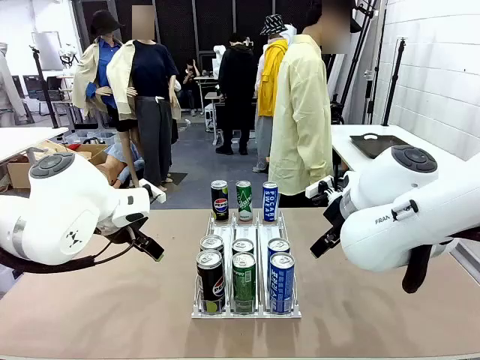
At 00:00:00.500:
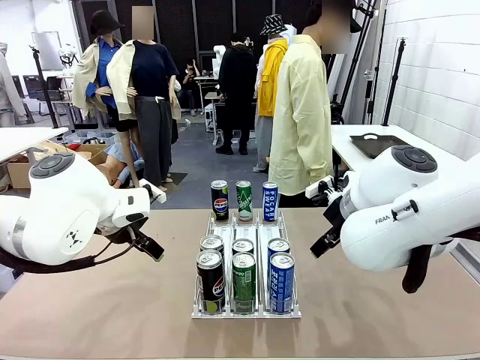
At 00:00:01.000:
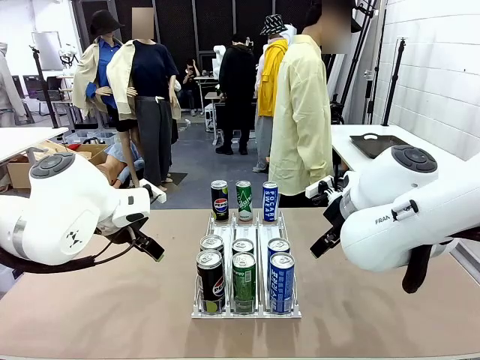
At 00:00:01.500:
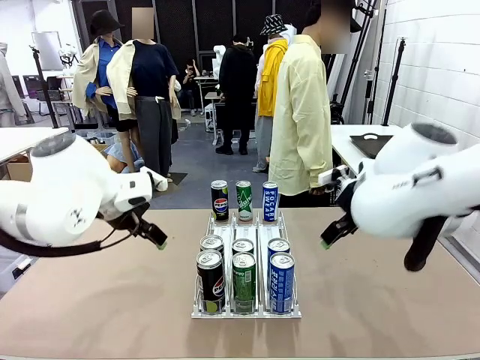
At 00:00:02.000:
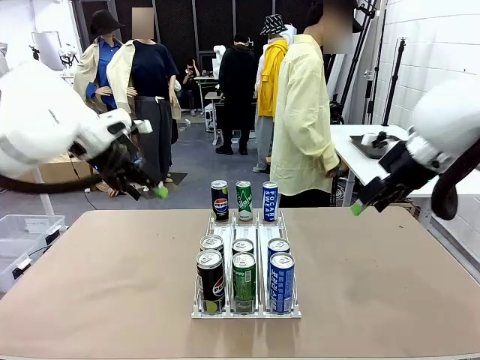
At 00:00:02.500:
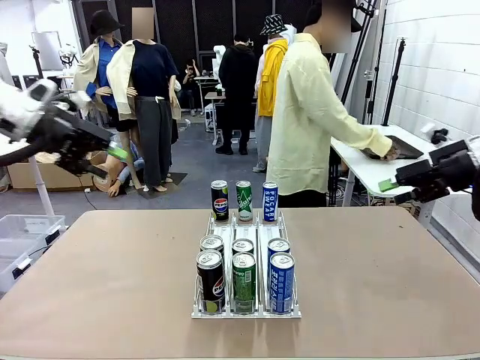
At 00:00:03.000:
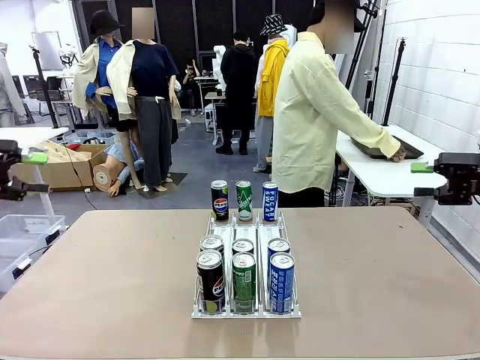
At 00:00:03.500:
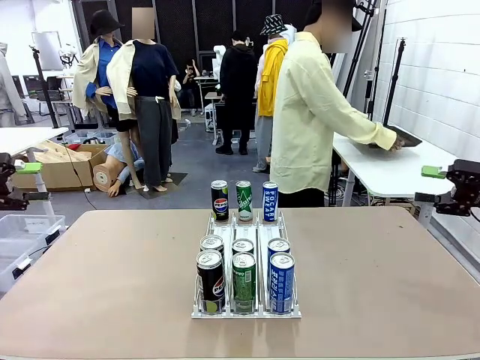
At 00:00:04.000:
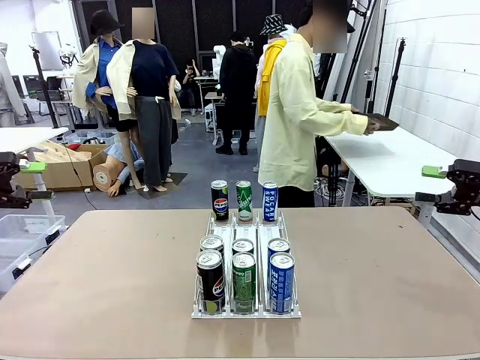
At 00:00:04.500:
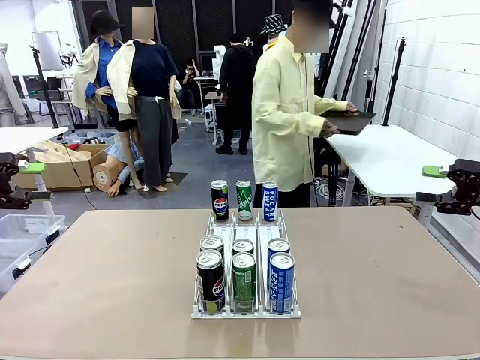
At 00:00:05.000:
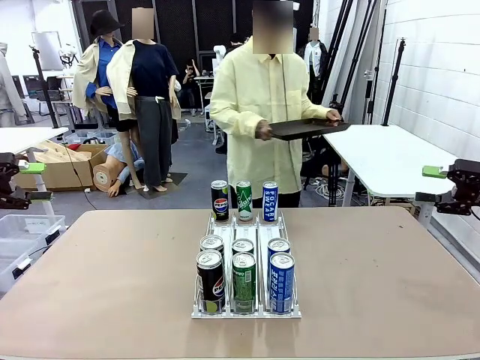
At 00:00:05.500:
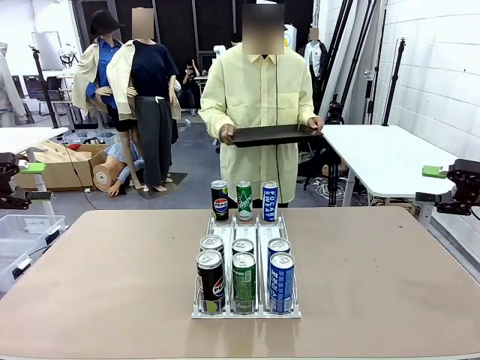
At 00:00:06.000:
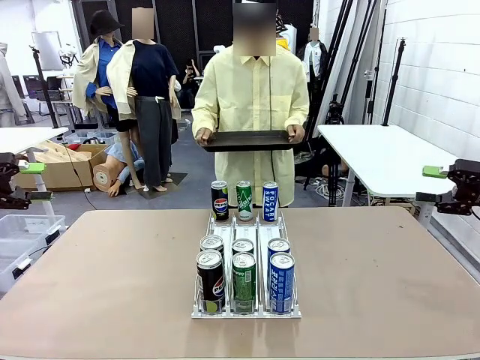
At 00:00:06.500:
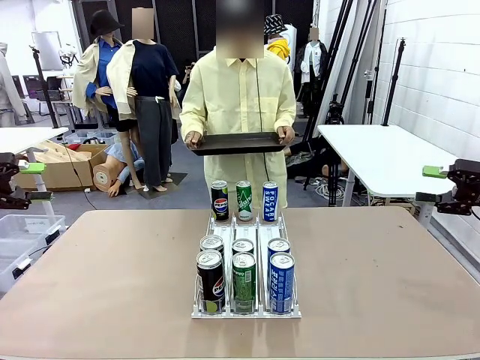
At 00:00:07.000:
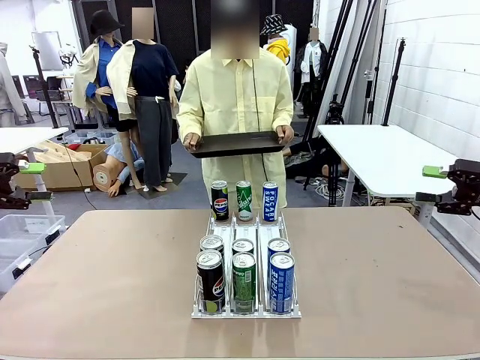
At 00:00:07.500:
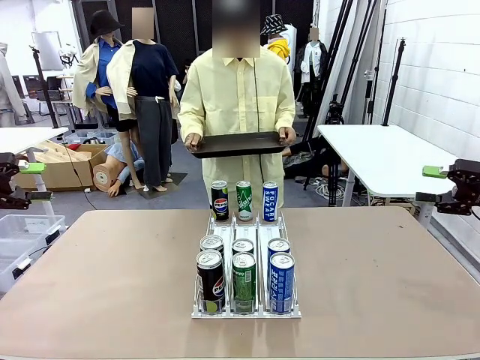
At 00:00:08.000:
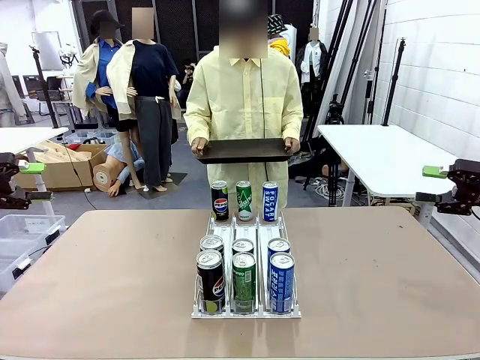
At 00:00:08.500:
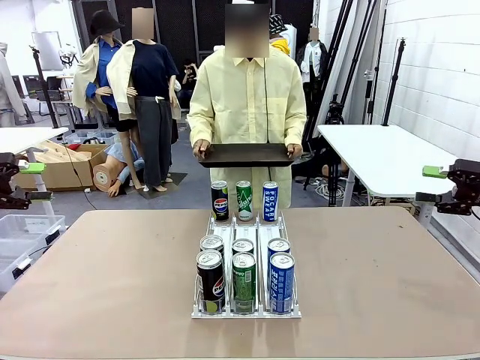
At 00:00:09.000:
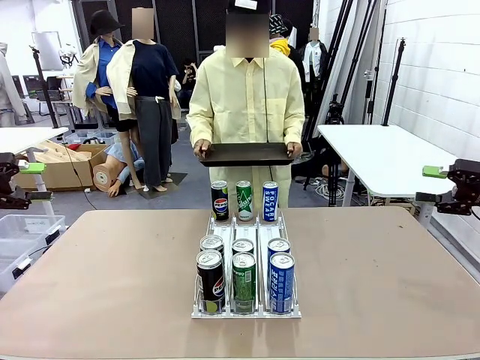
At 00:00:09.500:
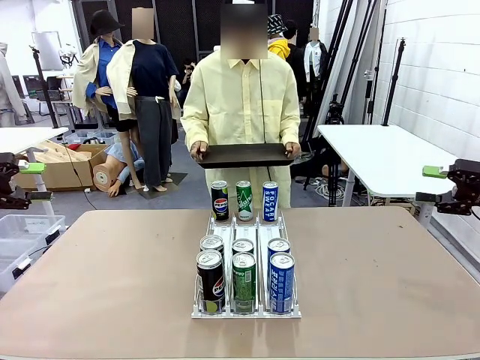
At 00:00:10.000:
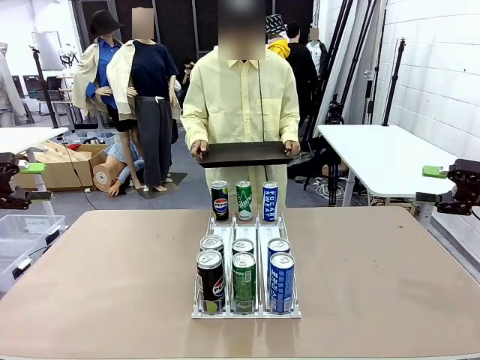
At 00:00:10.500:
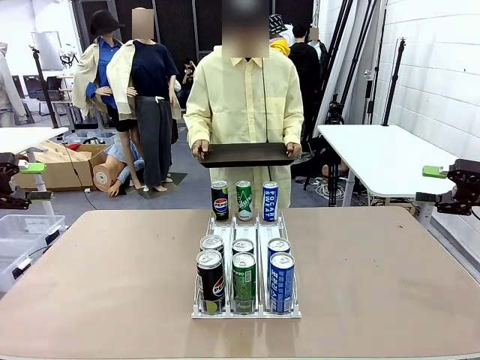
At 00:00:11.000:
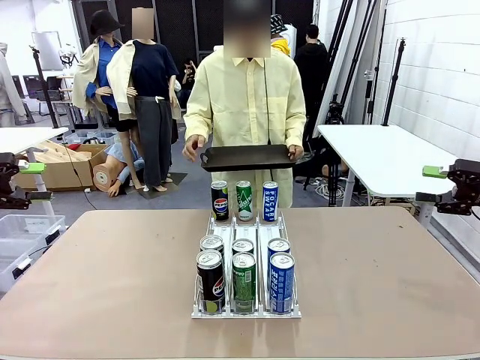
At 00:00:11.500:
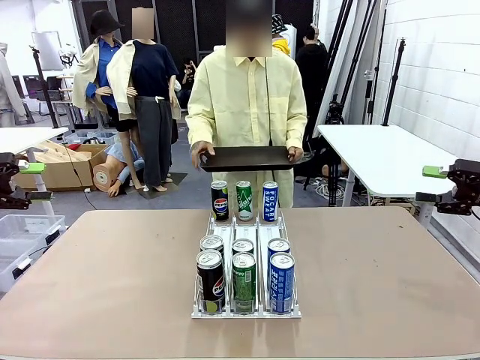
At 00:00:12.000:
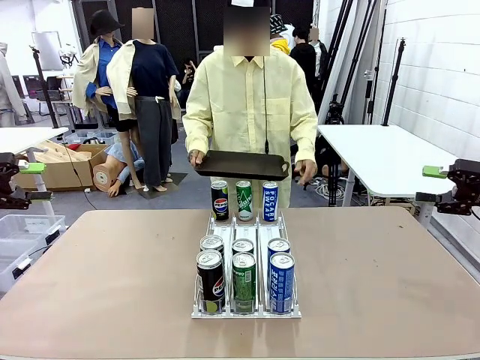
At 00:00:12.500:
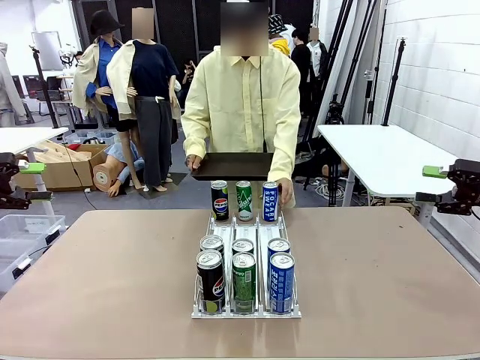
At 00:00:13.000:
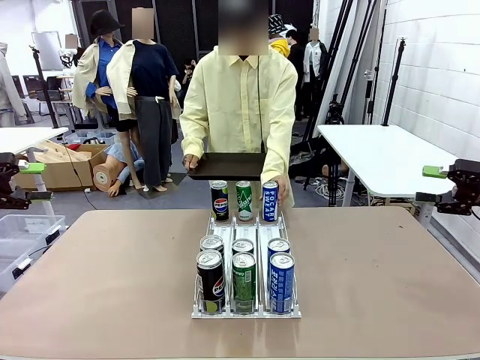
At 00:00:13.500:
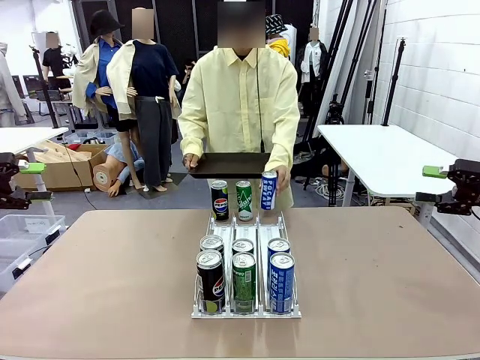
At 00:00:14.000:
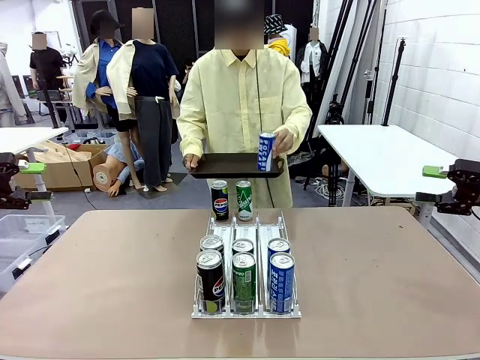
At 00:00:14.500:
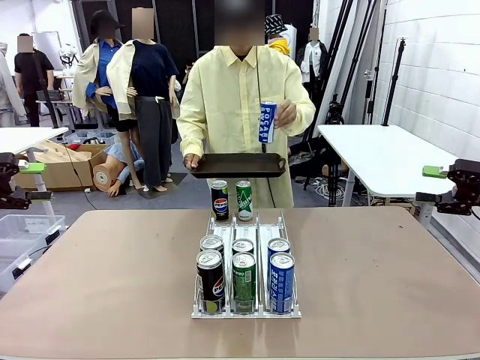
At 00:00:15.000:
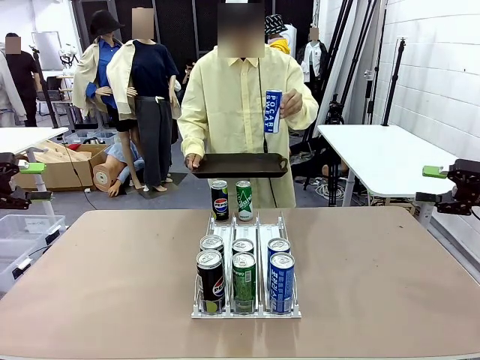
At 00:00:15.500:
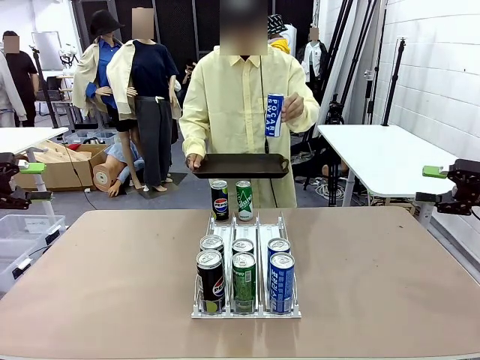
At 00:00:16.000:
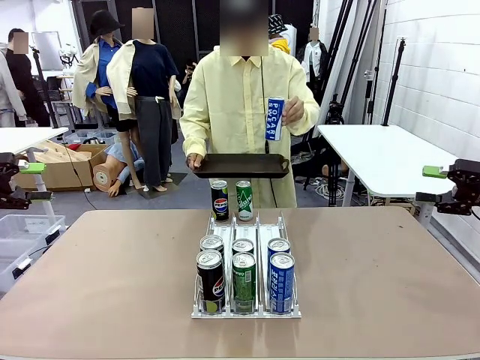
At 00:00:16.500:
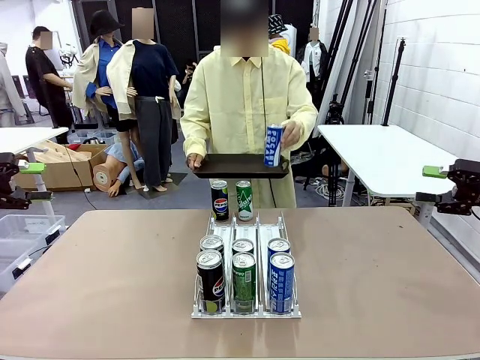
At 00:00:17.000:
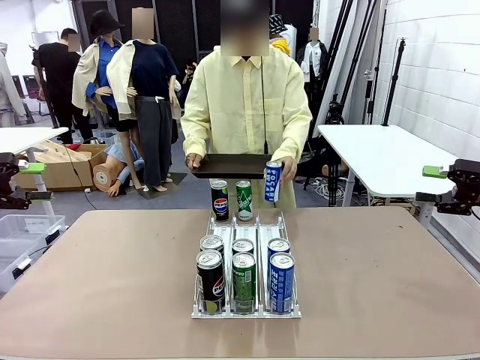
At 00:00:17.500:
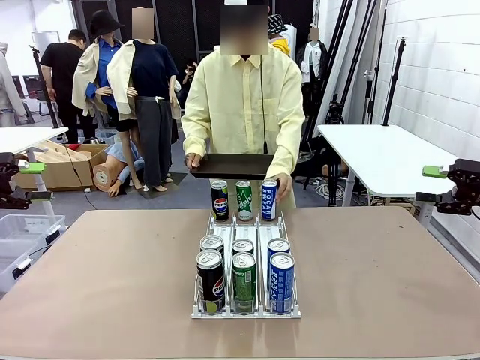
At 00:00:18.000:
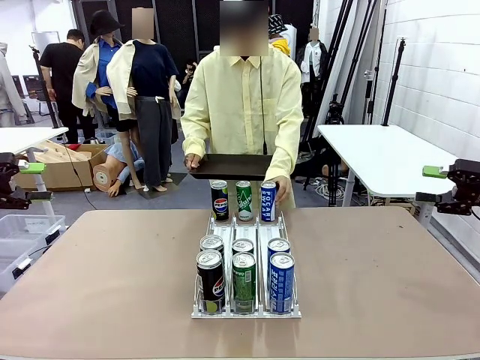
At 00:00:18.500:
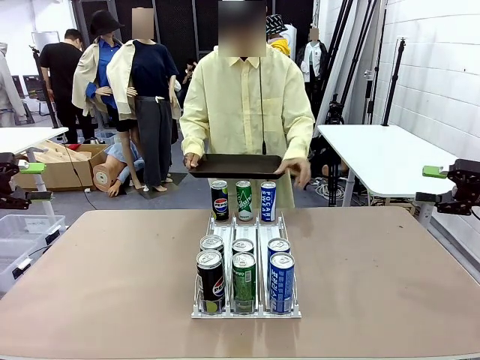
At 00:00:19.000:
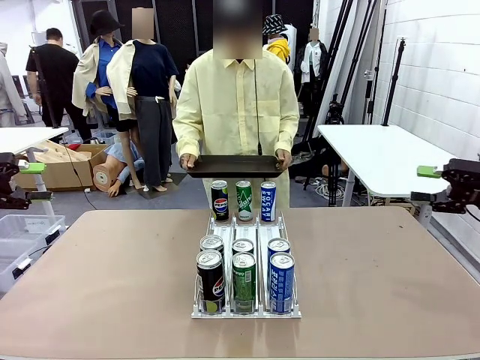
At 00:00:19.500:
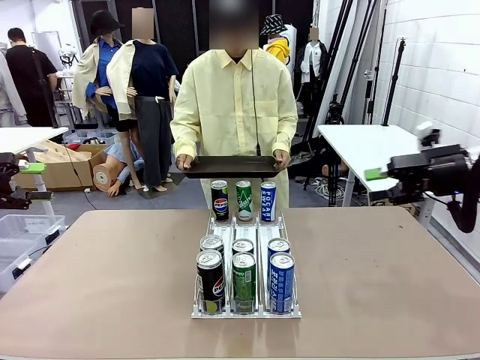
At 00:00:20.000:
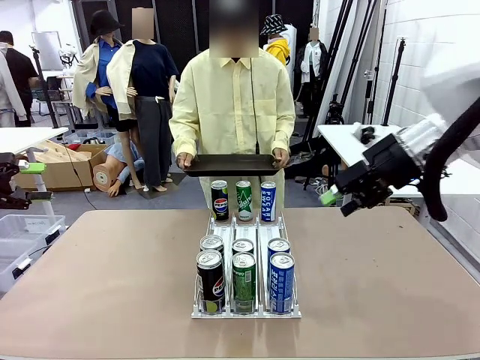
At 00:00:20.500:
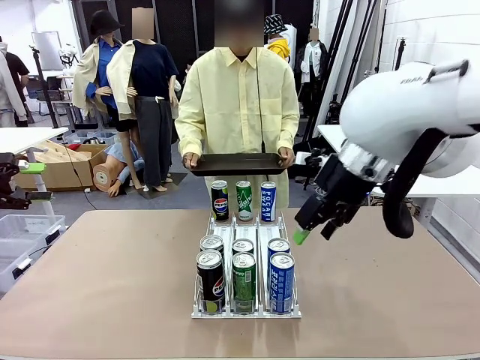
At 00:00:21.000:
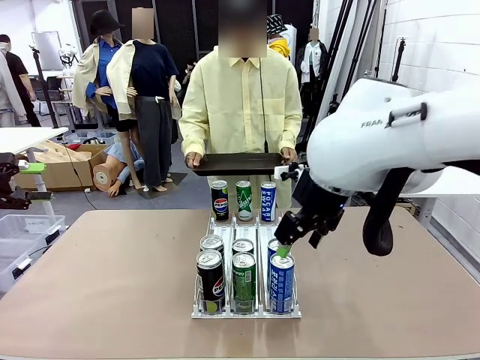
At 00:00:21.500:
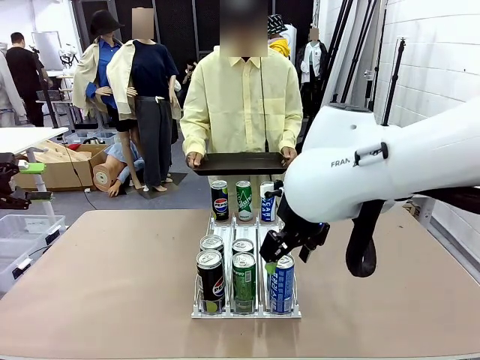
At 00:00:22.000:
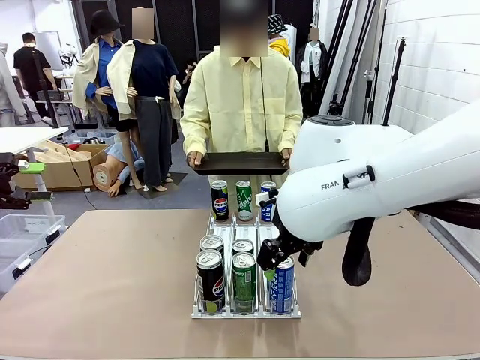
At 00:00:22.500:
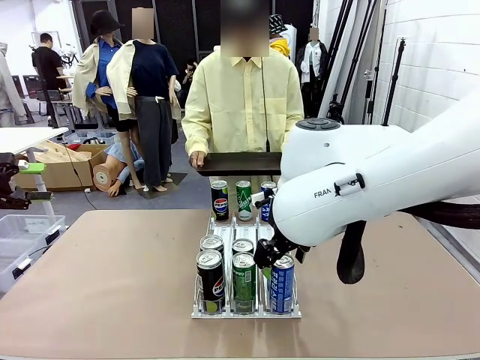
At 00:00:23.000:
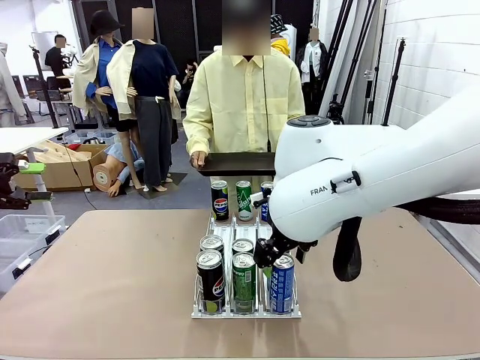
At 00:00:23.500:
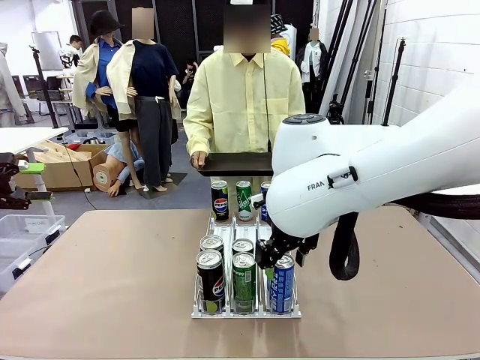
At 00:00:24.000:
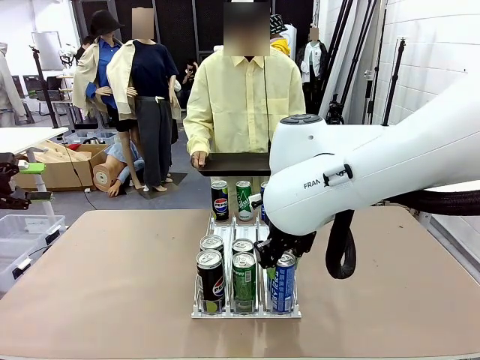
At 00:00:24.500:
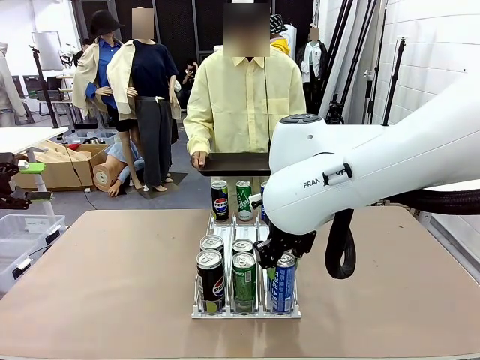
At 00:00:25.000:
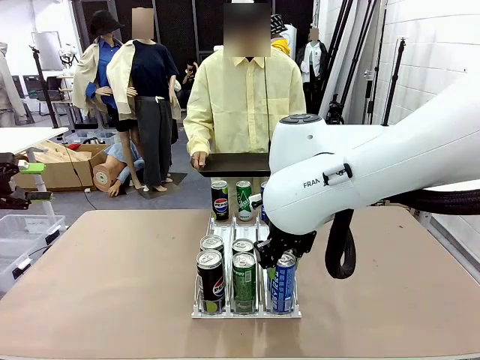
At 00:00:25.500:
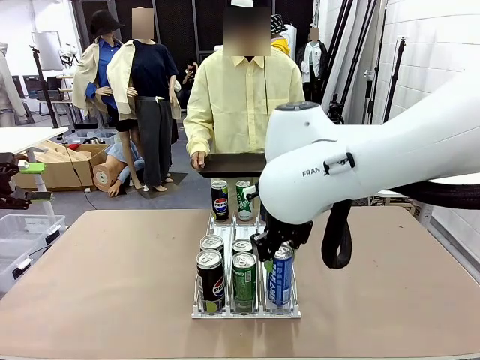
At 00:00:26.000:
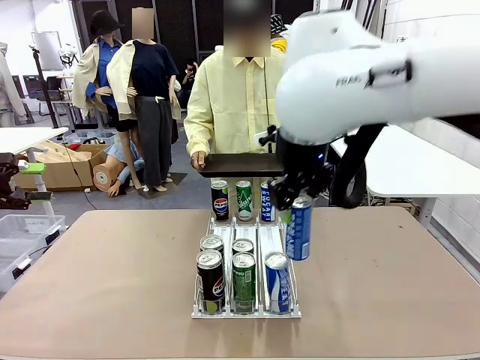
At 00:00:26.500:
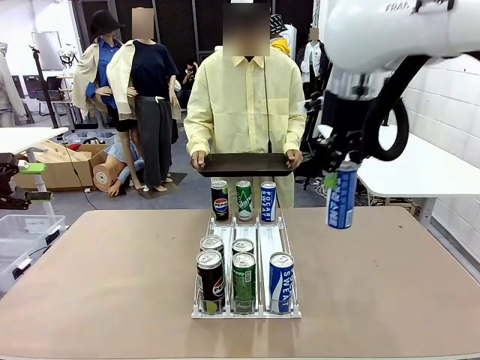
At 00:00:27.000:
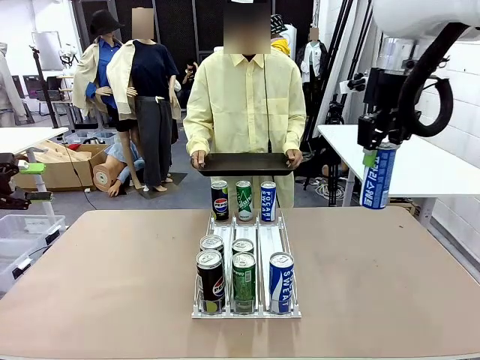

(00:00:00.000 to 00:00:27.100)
Task: Retrieve and hand over the desired beverage to the person.
Robot: Pick up a can of the same type that the person held from the Automatic Can Dispenser.
Person: Hold the tray and position yourself in front of the robot table. Pick up one can from the bottom area of the table and puts it back in its original place. Push the tray toward the robot.
